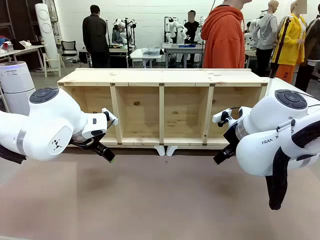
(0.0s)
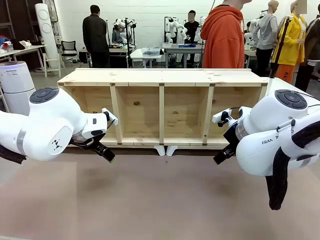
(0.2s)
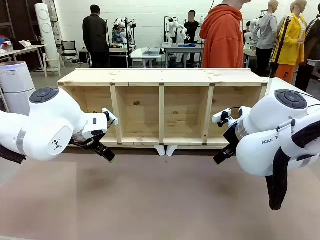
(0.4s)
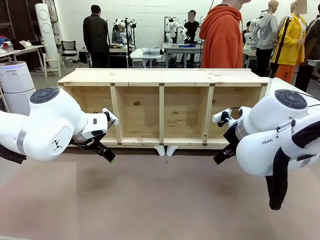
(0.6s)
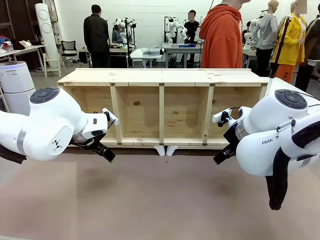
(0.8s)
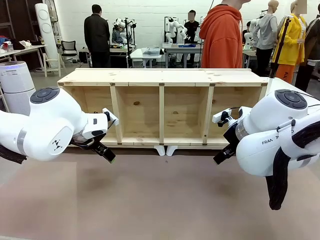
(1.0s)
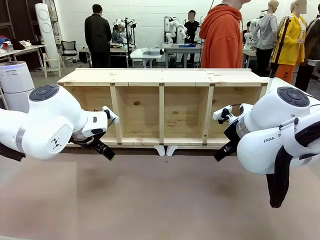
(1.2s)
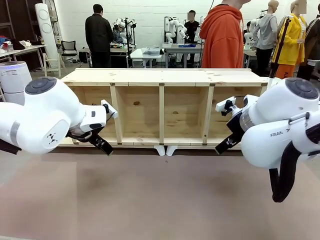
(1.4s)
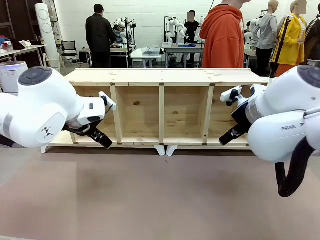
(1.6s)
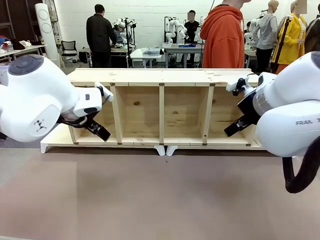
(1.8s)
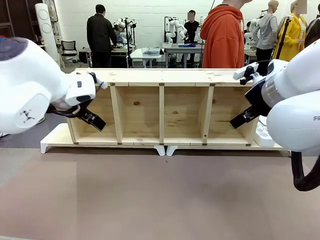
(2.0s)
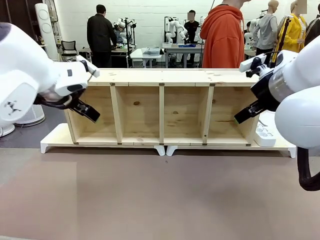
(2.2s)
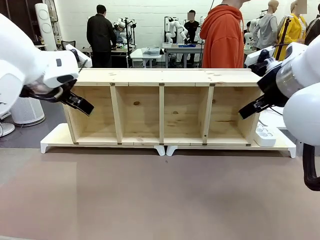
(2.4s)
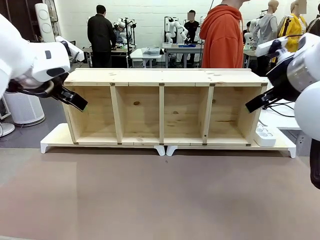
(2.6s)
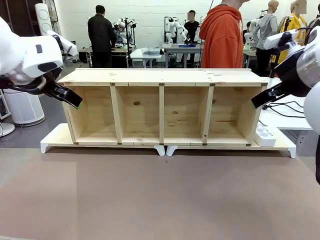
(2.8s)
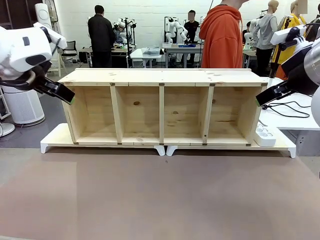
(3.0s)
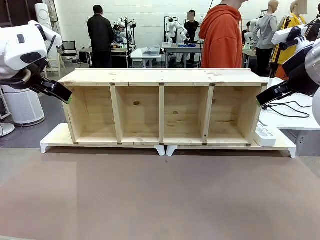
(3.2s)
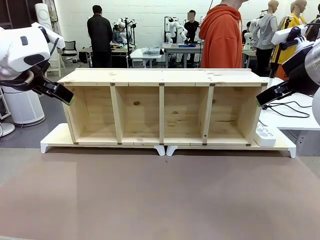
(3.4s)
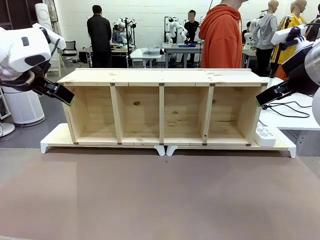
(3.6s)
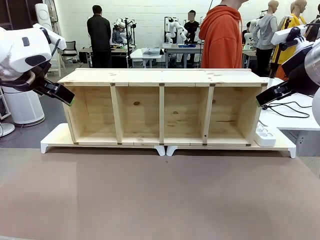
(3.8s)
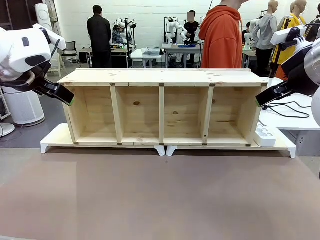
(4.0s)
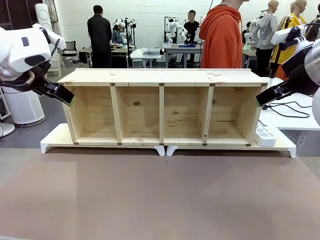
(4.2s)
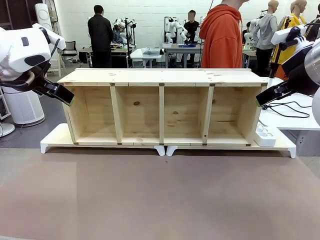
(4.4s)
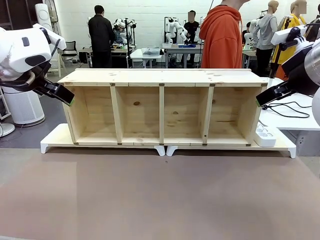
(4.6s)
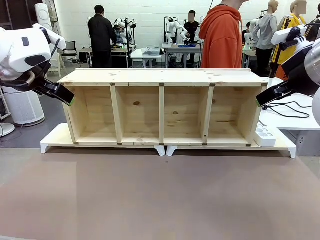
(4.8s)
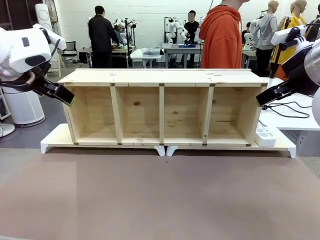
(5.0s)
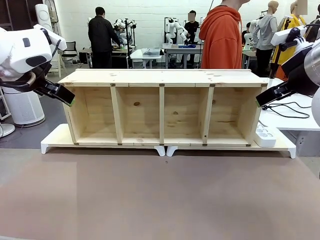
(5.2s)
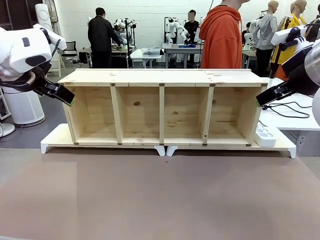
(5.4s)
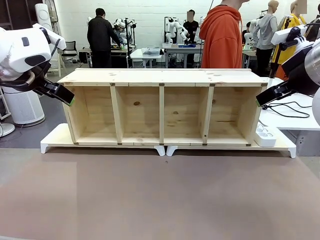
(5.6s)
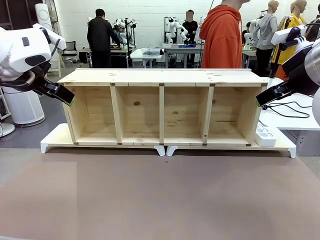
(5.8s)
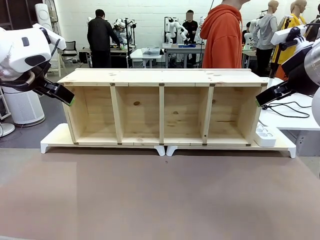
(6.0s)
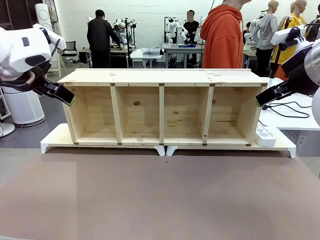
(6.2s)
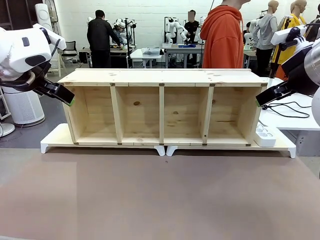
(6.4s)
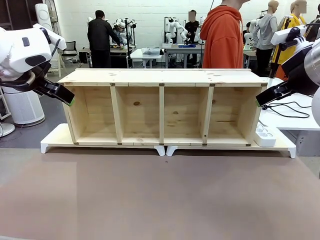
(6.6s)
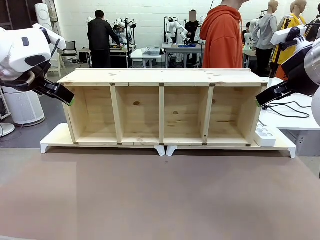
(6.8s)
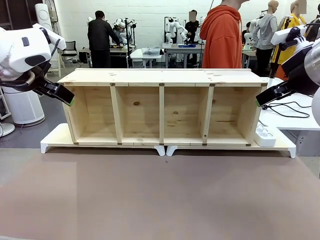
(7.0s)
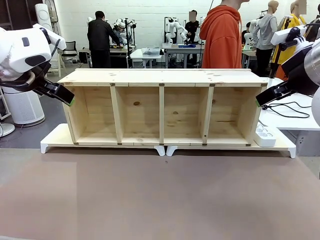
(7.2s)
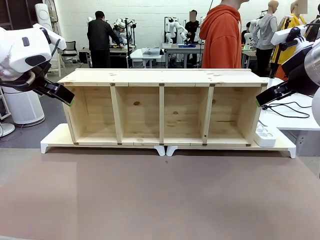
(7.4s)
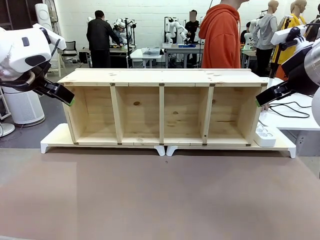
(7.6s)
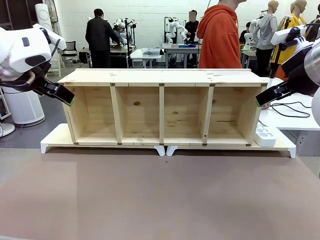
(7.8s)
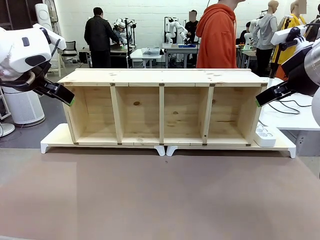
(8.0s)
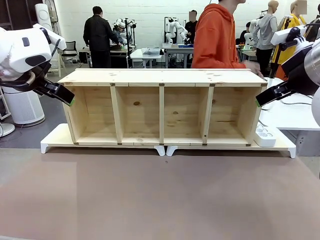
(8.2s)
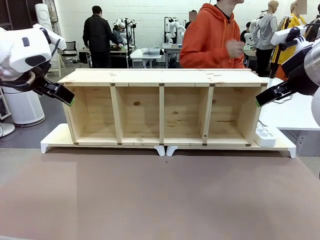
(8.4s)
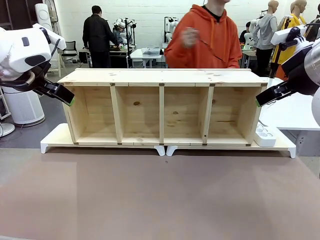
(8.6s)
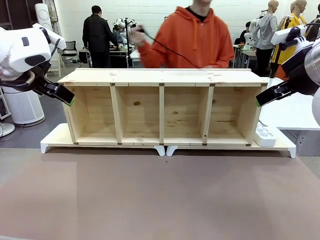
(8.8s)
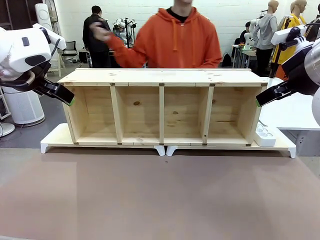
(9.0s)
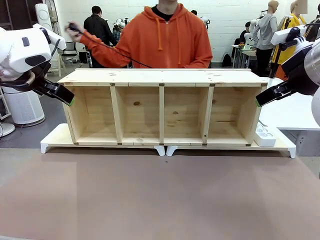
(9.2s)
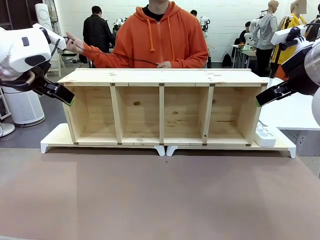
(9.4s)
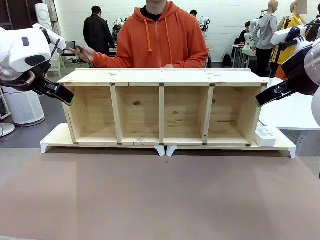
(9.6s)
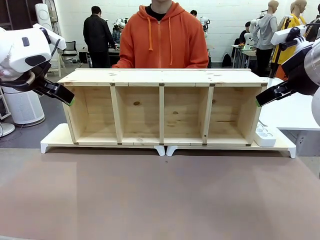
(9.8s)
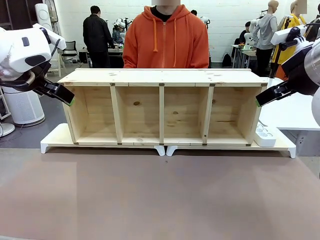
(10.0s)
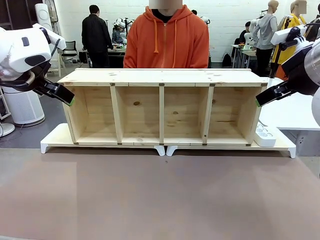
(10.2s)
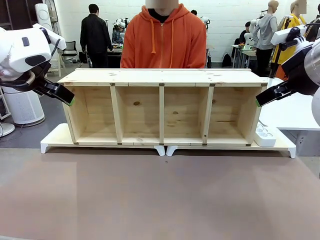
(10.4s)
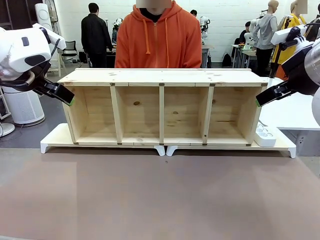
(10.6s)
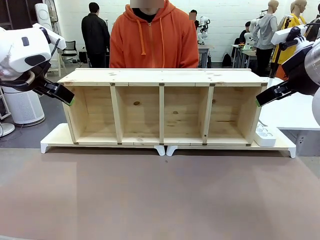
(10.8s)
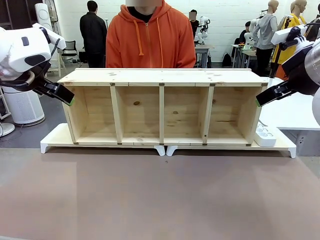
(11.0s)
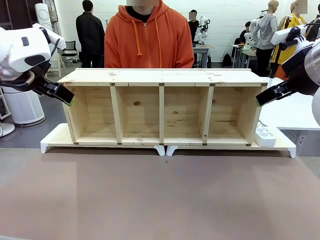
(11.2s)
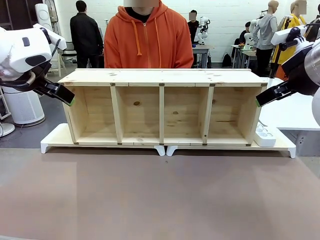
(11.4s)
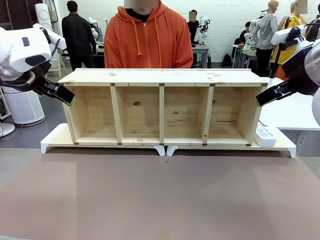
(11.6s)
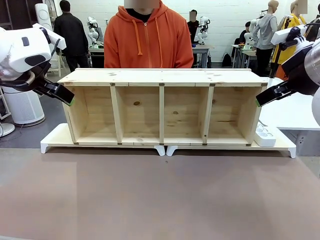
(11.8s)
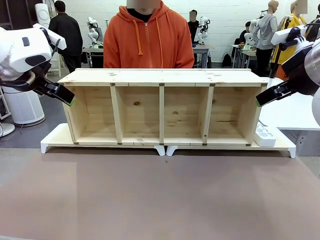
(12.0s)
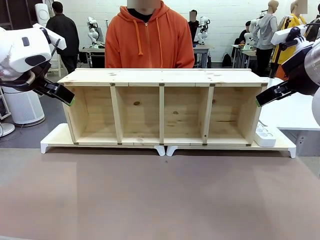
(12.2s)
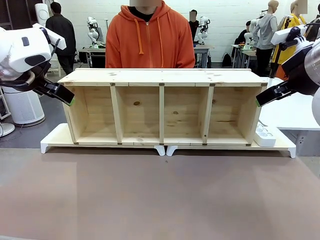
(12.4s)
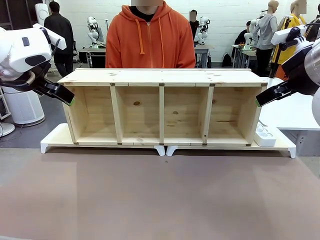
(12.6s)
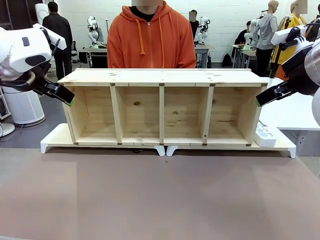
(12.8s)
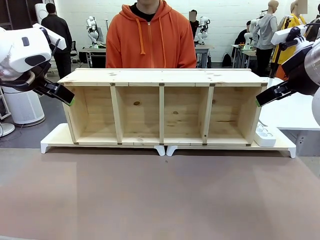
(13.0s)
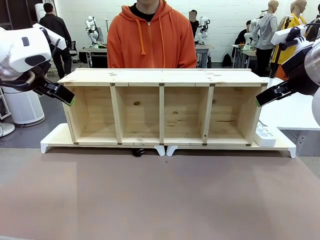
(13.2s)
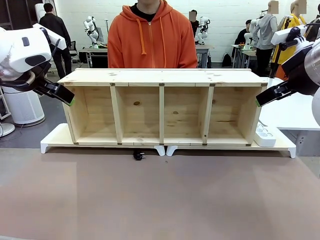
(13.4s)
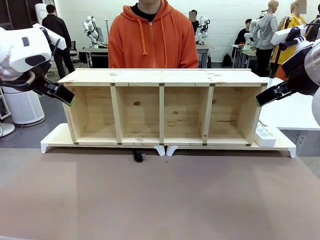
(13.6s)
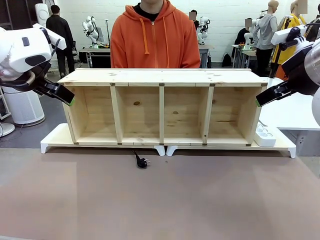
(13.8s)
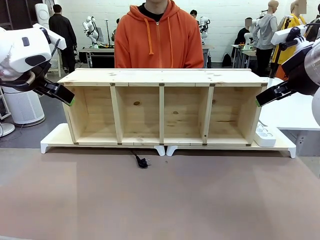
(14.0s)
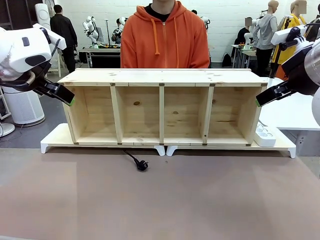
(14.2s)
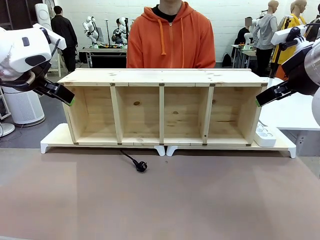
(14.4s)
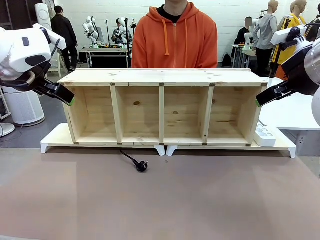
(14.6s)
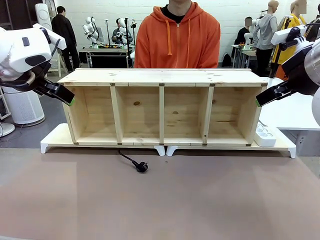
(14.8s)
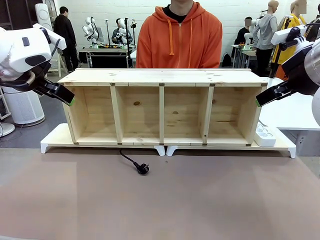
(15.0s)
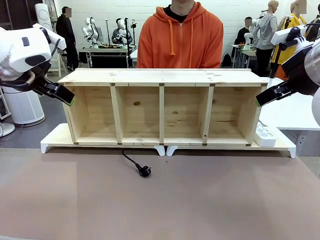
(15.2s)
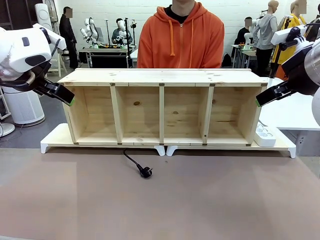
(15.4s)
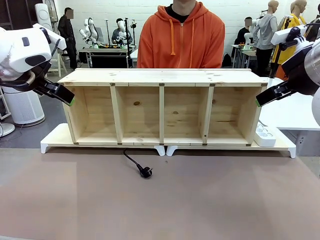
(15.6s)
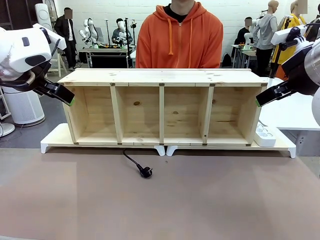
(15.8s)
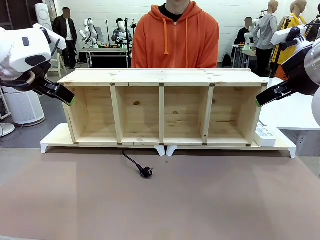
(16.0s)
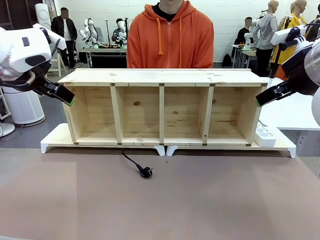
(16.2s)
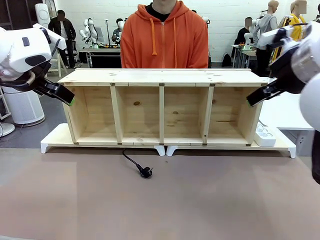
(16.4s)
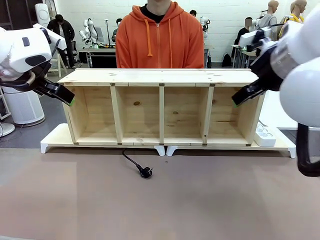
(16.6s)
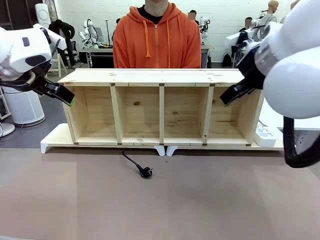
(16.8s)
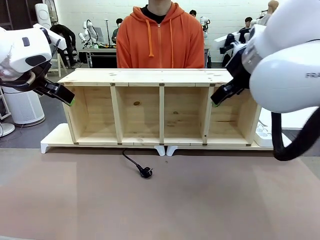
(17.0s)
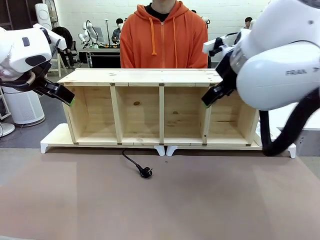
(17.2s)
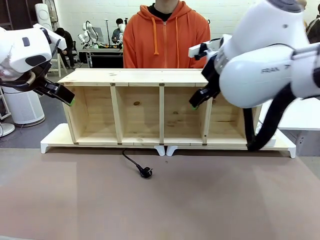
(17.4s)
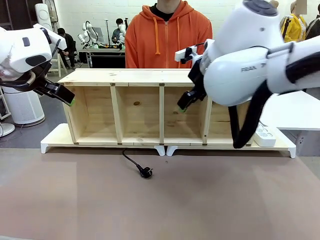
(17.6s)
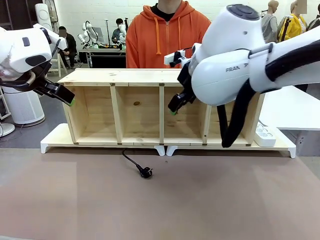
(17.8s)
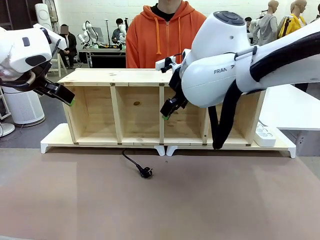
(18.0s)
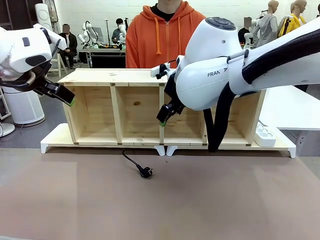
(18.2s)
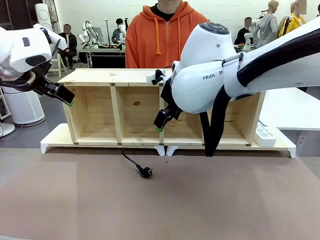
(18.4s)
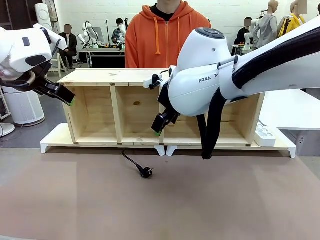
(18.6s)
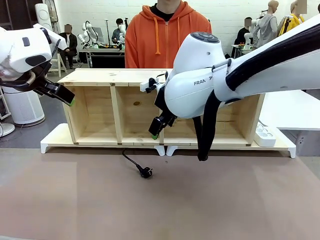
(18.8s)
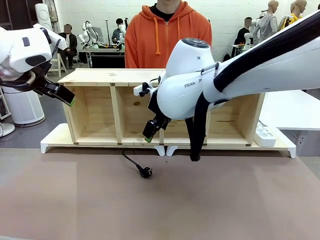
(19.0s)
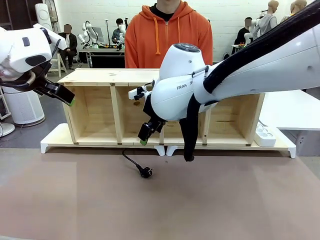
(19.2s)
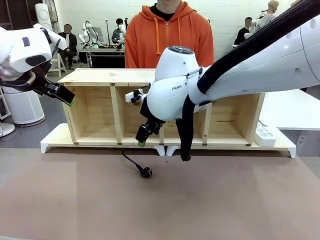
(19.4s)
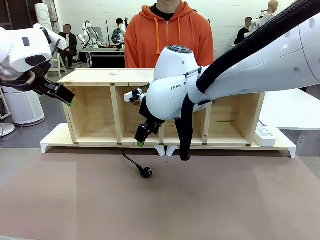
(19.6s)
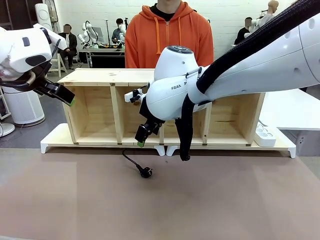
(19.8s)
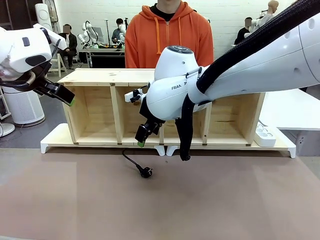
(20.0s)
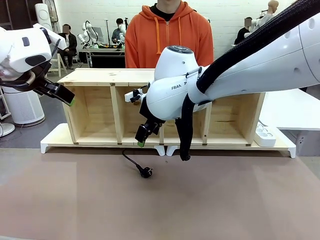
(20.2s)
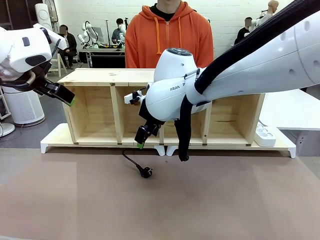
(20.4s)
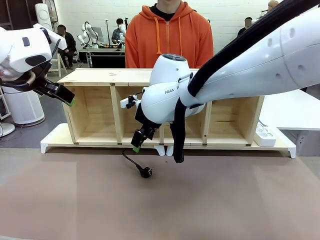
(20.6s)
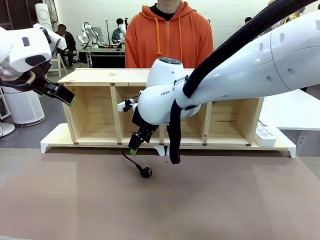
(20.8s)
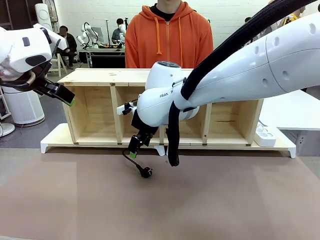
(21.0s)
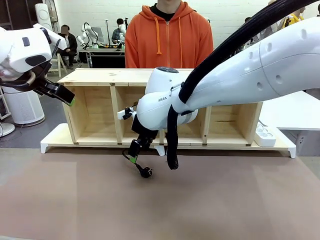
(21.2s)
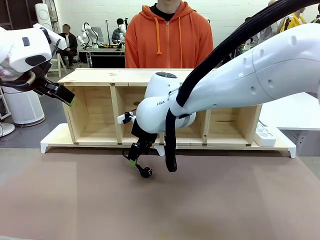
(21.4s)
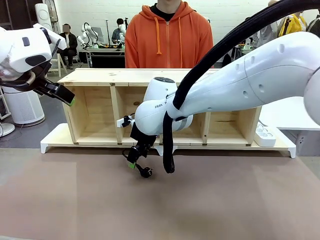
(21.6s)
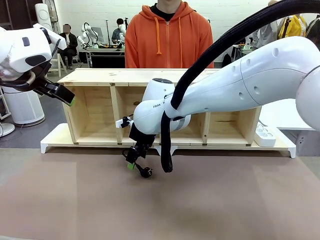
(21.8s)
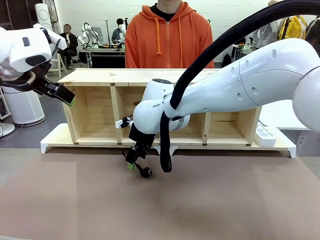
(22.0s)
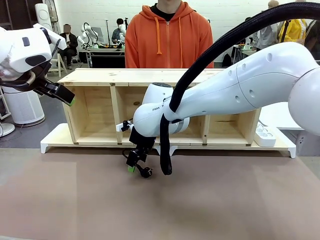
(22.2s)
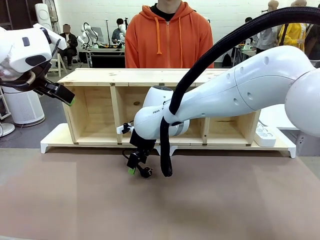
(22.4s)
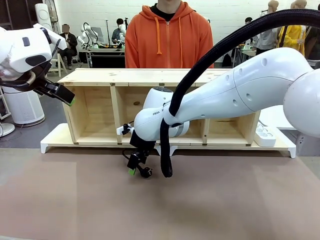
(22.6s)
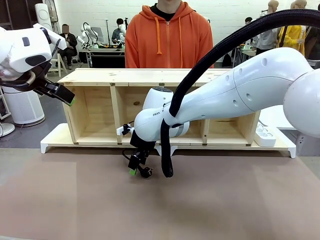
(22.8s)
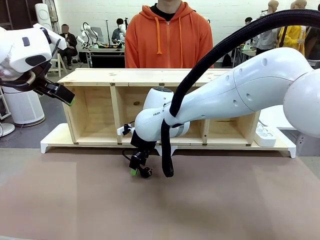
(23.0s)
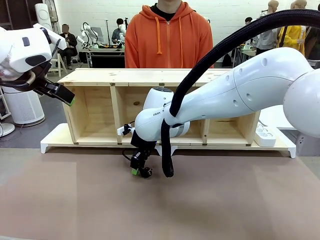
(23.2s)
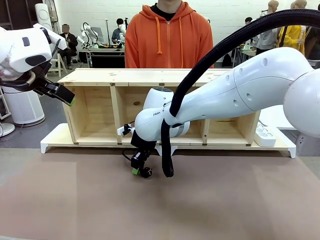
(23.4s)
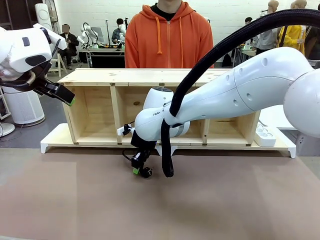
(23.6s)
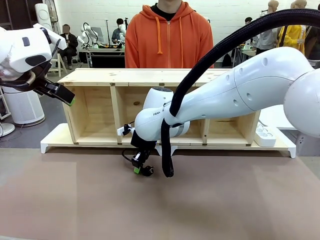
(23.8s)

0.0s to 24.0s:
Task: Perform cable management.
Robot: When the cord part of the Power Cable appears at the lower middle area of the table and stops, grasp the cord part of the Power Cable.
Person: Pass the Power Cable under the Serving Table.
